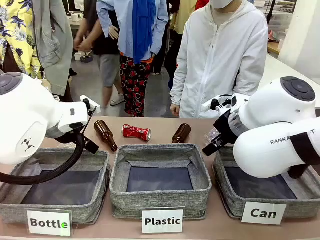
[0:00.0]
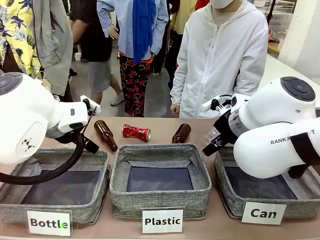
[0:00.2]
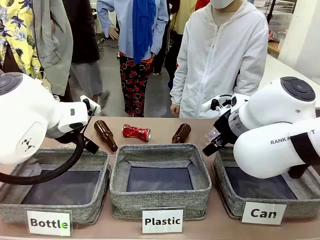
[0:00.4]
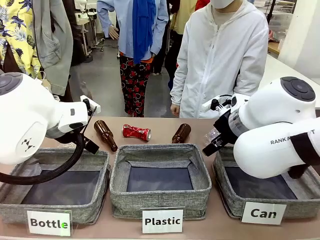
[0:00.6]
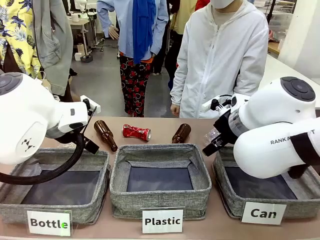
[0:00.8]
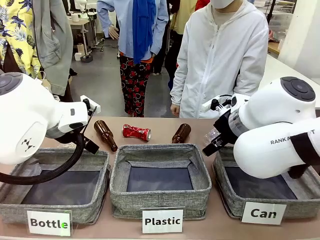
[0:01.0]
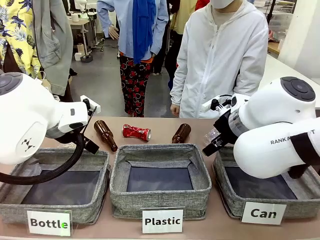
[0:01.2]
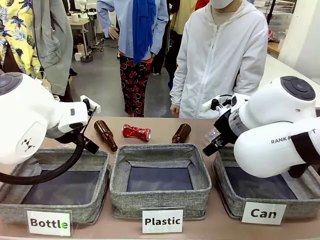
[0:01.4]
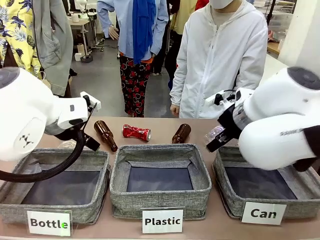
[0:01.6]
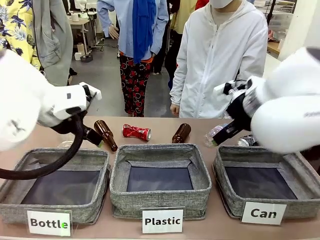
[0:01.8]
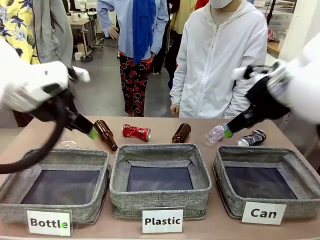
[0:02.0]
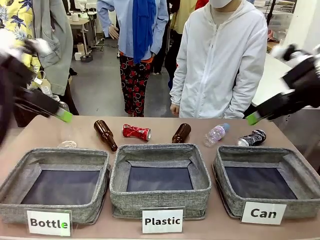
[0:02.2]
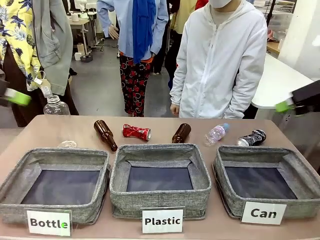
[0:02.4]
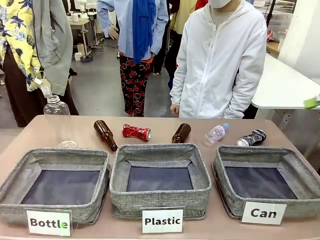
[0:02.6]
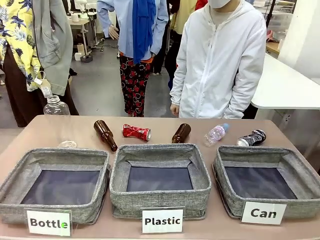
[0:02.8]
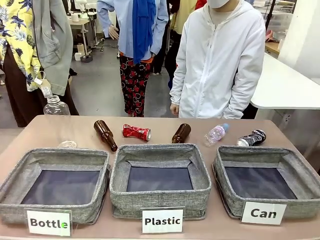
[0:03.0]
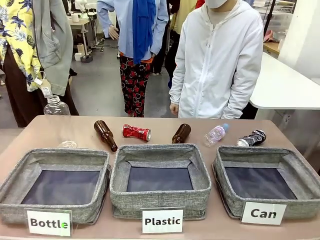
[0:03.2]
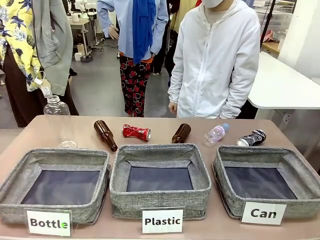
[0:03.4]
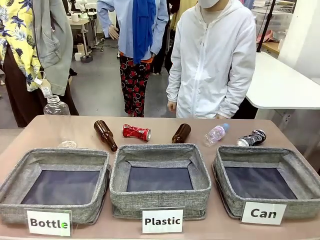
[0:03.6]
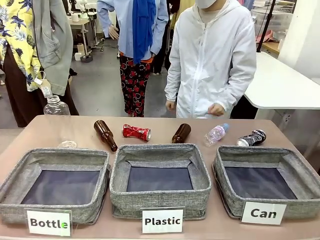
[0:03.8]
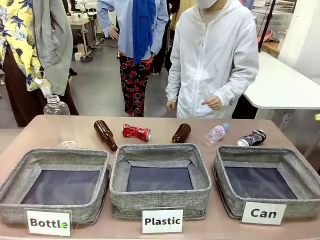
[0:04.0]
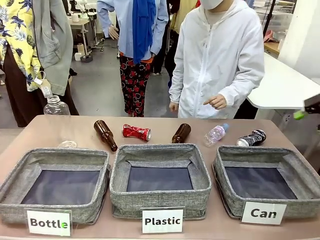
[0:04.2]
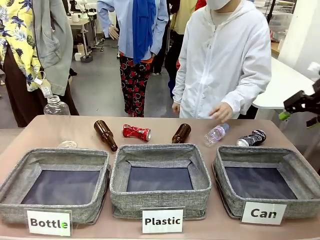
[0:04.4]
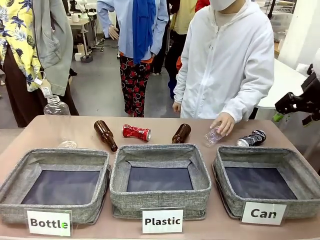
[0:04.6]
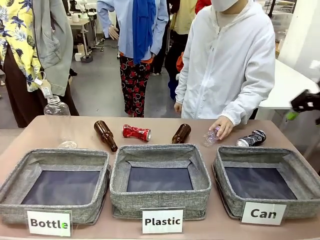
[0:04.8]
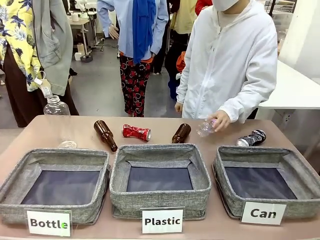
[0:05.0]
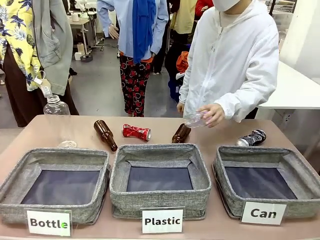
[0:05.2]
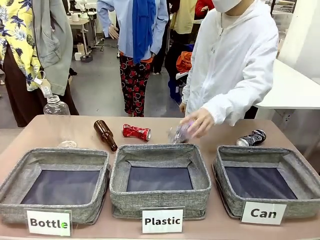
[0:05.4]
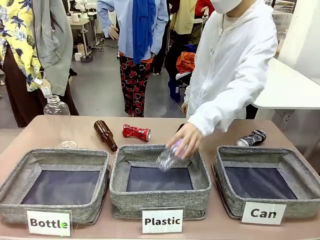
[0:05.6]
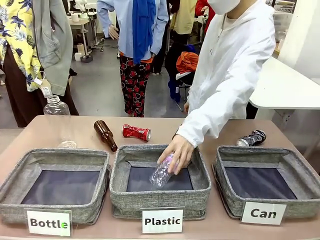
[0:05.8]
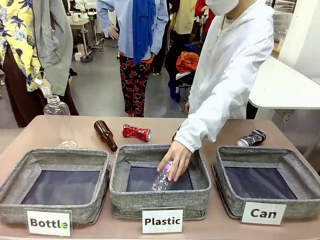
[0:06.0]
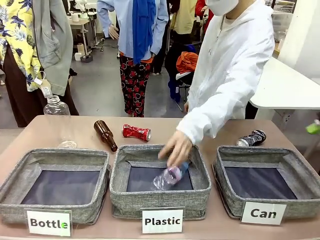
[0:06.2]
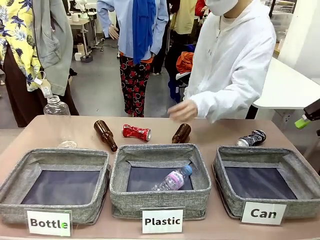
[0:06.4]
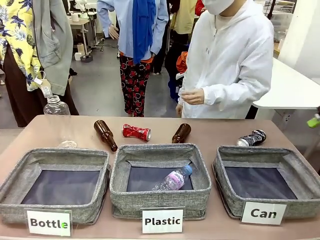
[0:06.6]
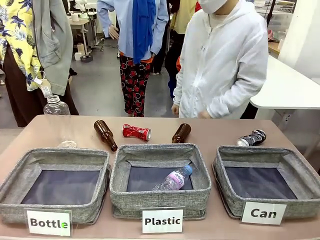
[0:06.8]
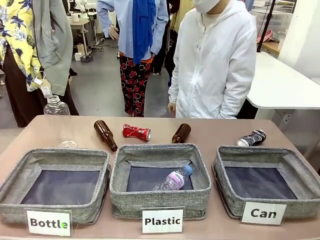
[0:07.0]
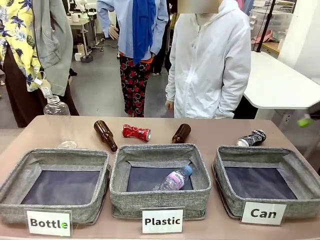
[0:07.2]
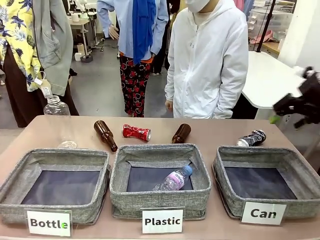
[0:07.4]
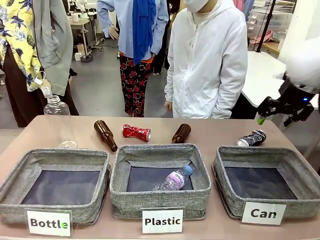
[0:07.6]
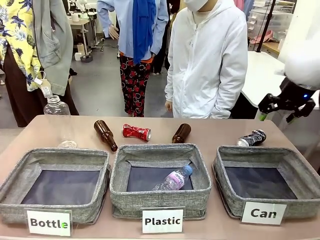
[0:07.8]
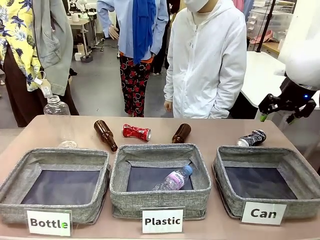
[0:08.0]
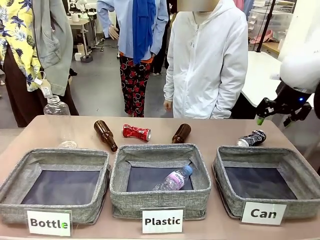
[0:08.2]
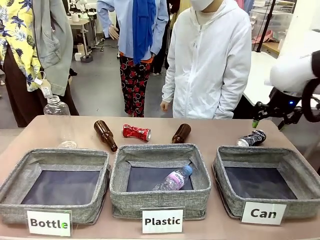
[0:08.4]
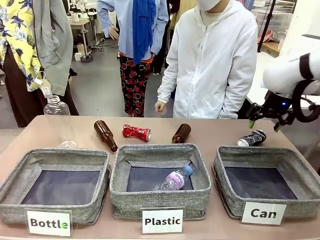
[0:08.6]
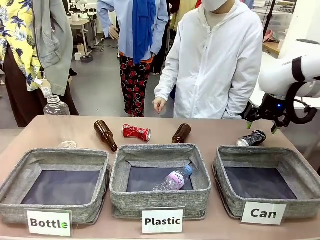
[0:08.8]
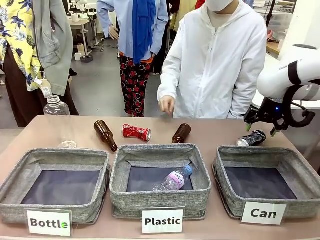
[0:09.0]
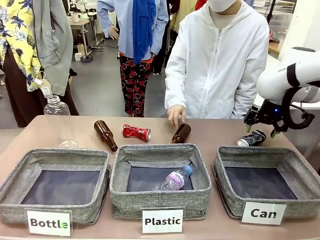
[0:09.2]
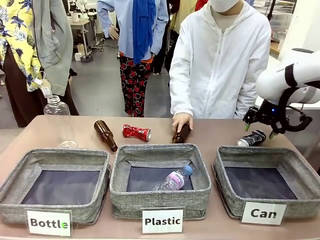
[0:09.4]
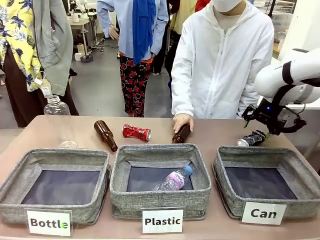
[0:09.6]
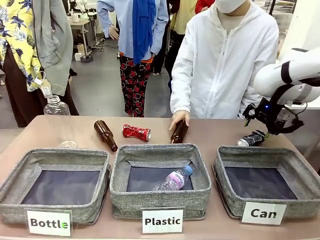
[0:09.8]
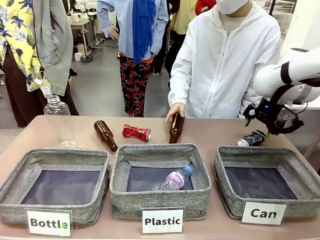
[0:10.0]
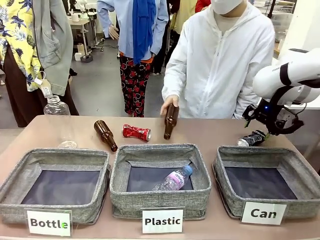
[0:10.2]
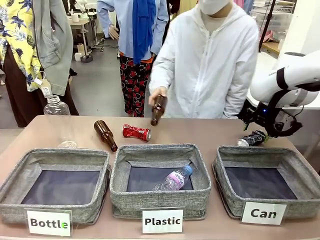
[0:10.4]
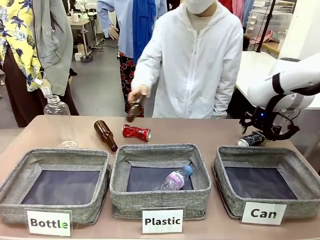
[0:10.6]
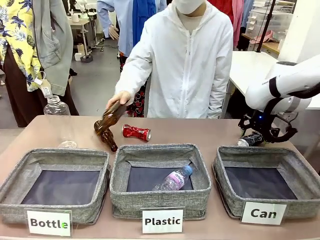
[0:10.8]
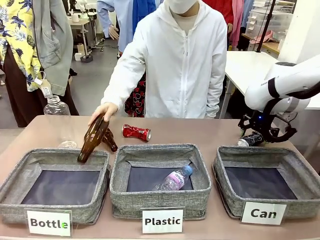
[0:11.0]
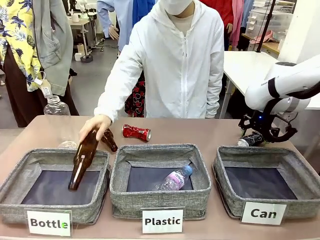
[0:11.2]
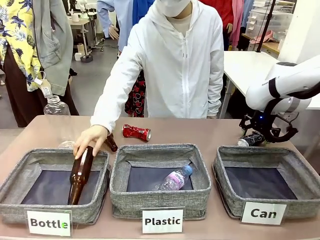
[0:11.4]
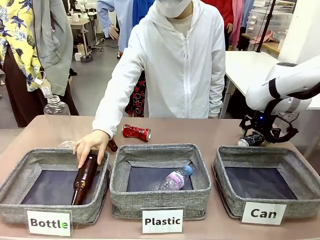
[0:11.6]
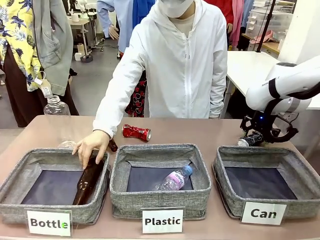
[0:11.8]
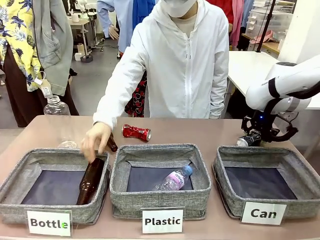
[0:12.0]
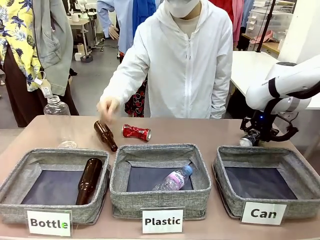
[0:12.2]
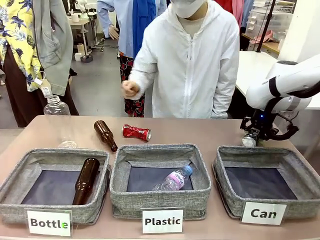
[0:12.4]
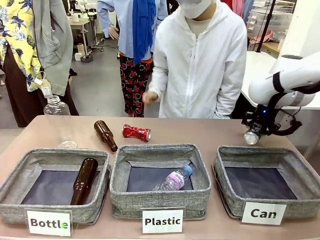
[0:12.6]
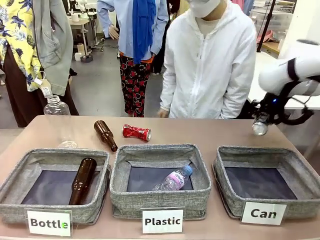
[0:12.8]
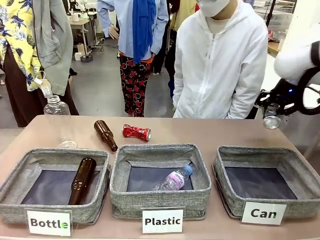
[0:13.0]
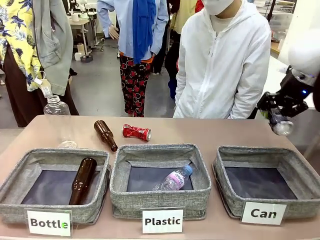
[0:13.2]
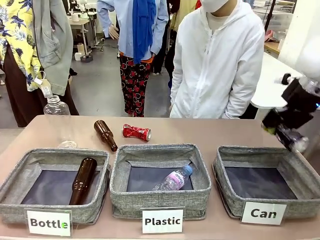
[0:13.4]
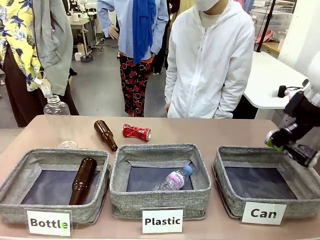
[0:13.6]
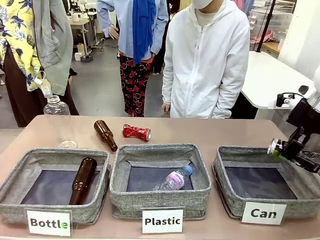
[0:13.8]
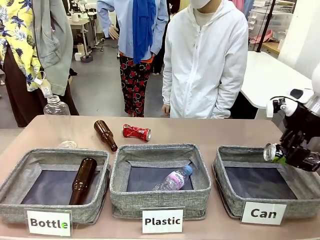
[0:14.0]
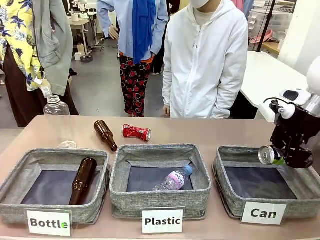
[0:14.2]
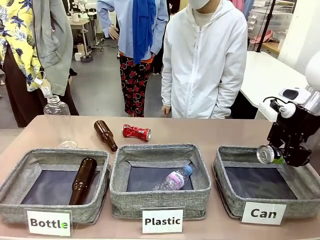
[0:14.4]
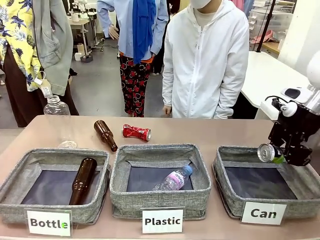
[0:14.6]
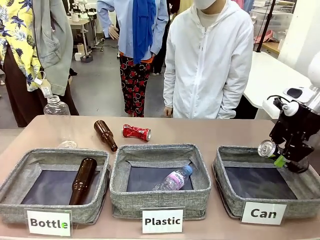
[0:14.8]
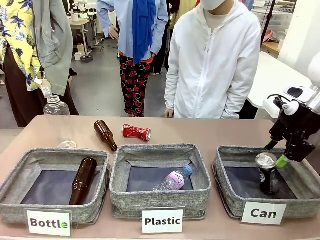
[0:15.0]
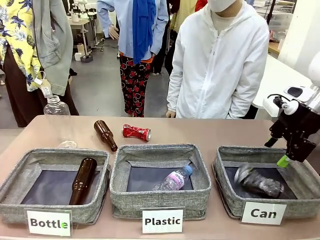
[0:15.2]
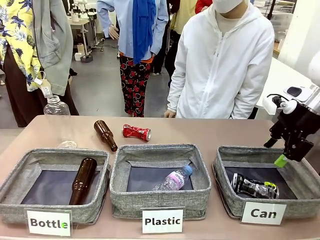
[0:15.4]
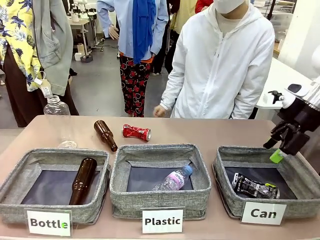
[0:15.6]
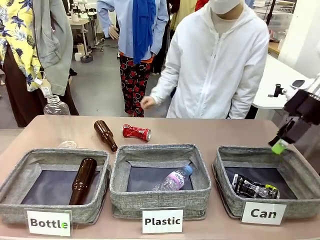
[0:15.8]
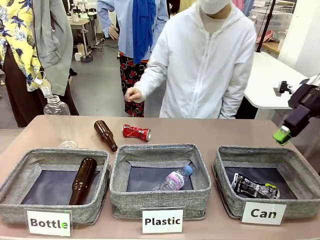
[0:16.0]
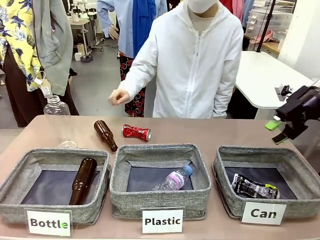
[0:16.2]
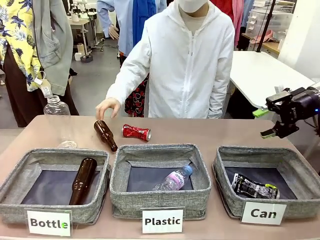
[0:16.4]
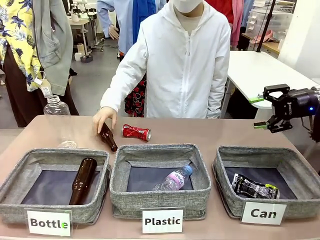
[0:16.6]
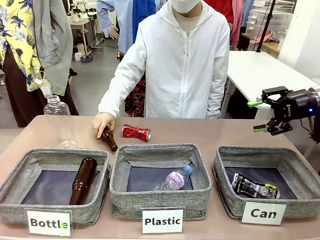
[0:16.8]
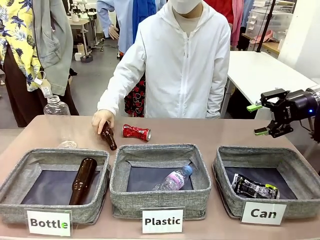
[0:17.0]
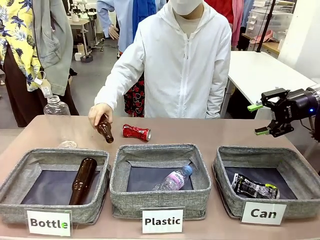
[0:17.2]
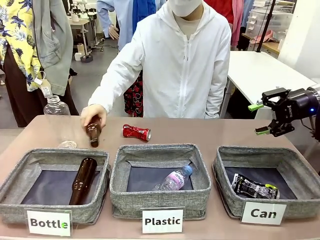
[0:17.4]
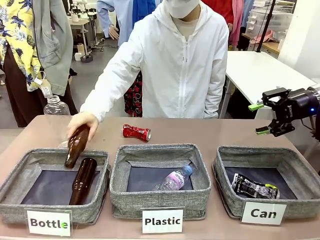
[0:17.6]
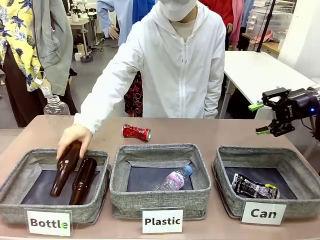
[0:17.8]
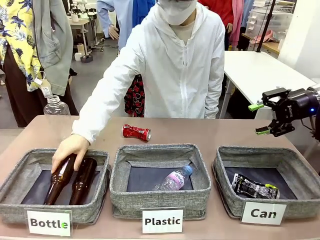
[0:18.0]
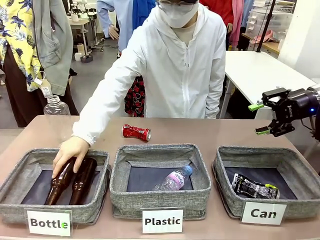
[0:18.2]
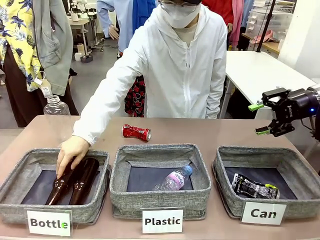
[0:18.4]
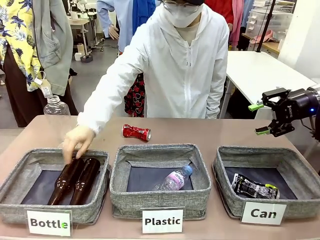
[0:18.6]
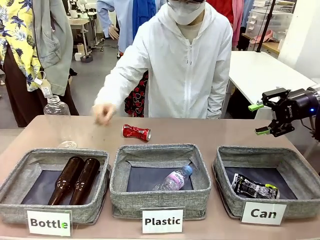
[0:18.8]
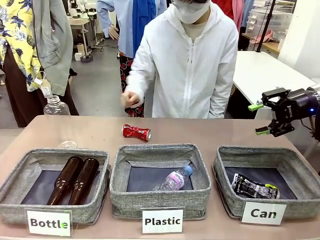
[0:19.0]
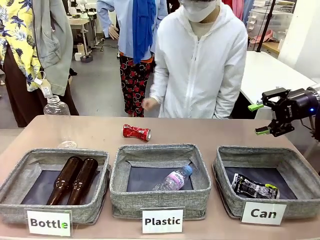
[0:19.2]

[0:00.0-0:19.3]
Task: Sort the can waste into the basket.
Robot: Pick up the can waste from the table and place it in the right Fabric basket.
